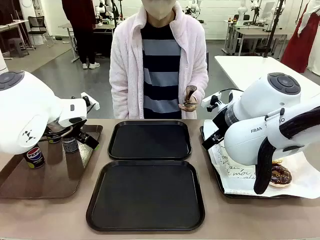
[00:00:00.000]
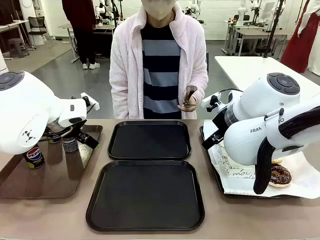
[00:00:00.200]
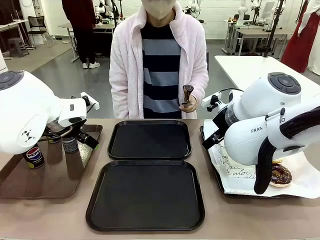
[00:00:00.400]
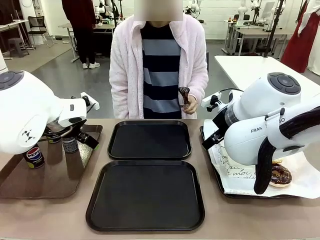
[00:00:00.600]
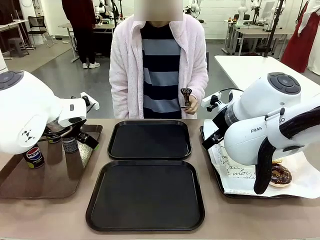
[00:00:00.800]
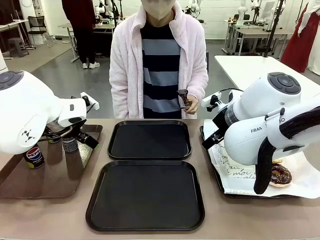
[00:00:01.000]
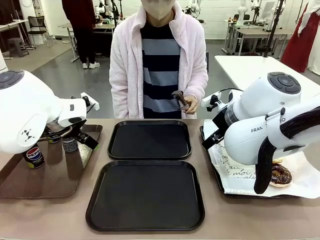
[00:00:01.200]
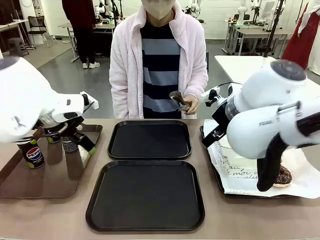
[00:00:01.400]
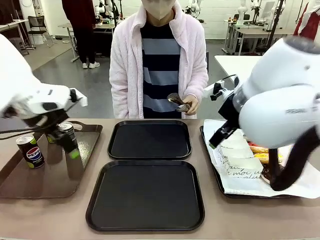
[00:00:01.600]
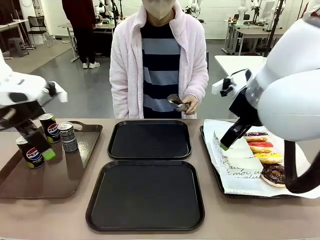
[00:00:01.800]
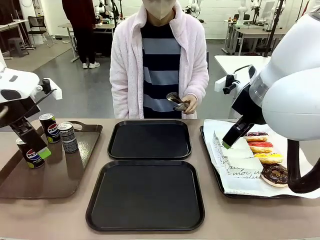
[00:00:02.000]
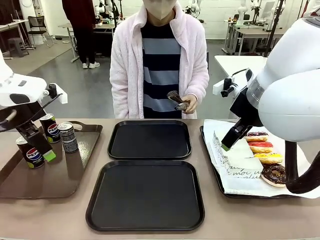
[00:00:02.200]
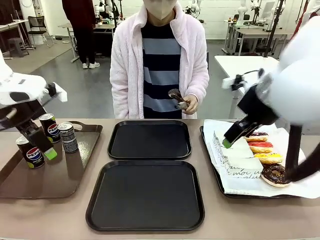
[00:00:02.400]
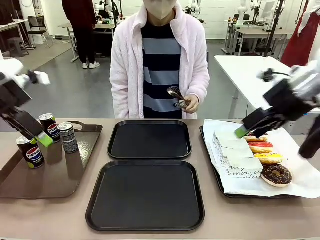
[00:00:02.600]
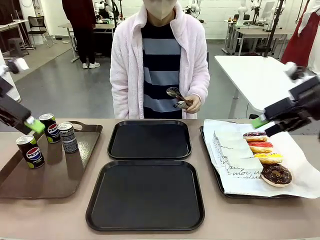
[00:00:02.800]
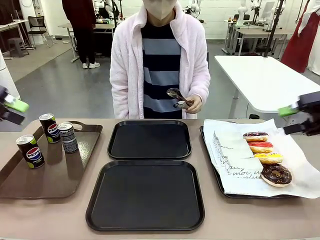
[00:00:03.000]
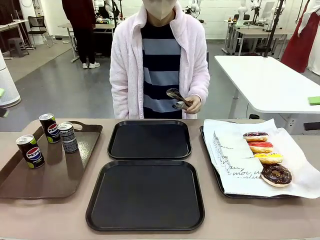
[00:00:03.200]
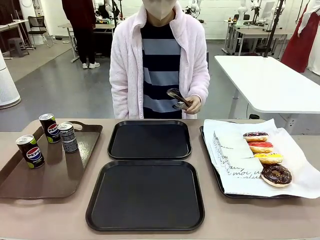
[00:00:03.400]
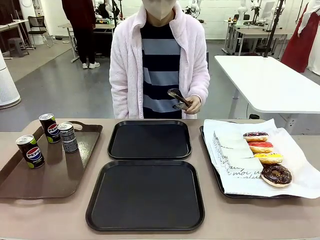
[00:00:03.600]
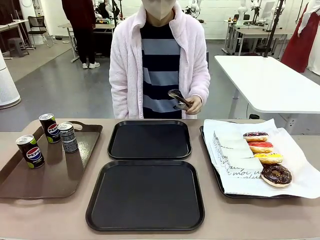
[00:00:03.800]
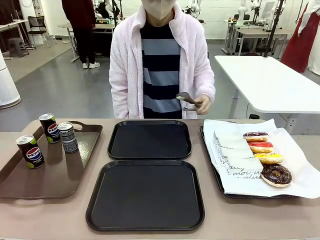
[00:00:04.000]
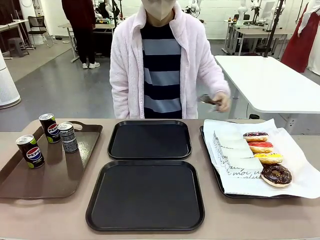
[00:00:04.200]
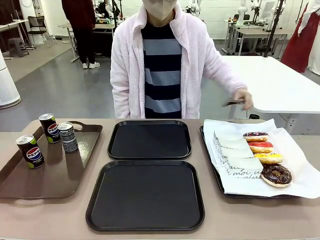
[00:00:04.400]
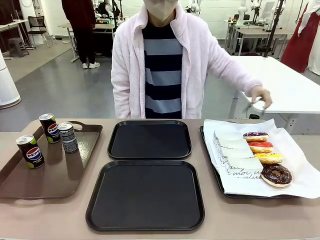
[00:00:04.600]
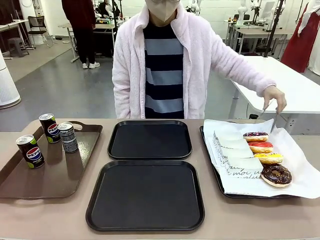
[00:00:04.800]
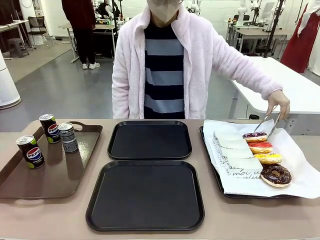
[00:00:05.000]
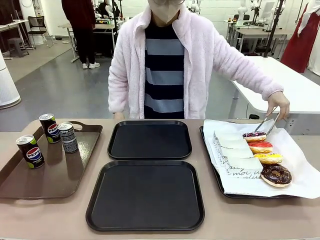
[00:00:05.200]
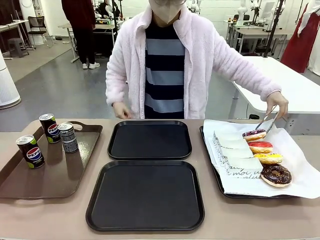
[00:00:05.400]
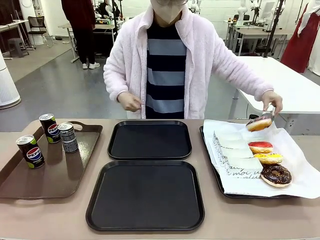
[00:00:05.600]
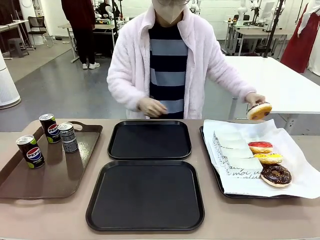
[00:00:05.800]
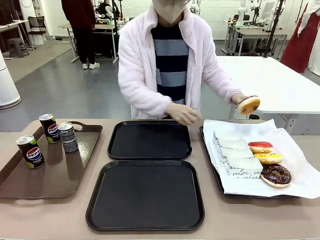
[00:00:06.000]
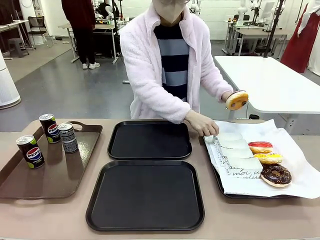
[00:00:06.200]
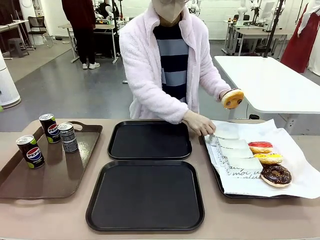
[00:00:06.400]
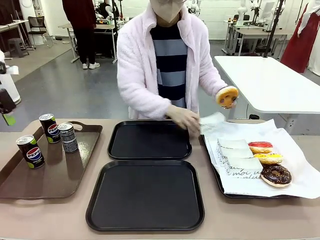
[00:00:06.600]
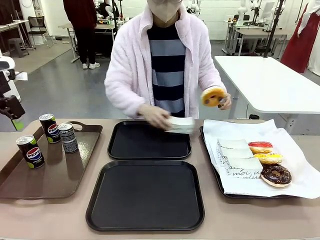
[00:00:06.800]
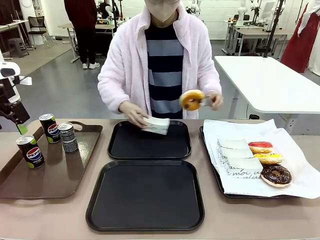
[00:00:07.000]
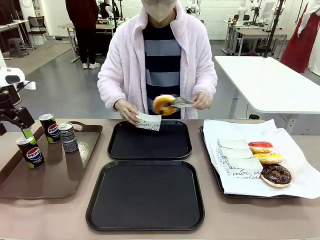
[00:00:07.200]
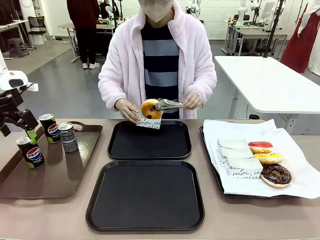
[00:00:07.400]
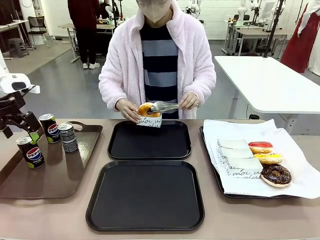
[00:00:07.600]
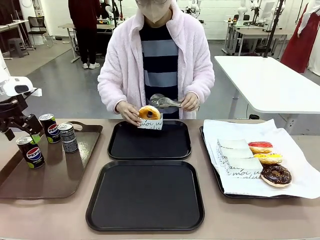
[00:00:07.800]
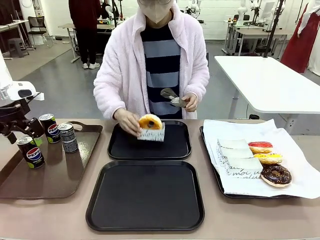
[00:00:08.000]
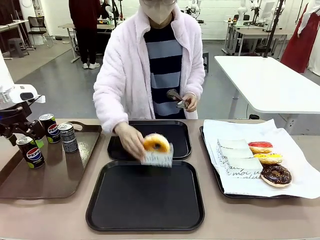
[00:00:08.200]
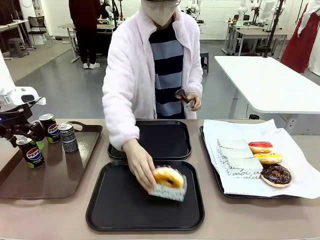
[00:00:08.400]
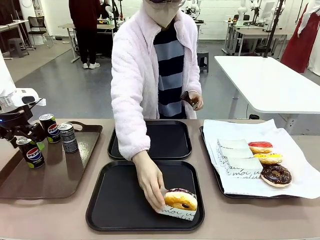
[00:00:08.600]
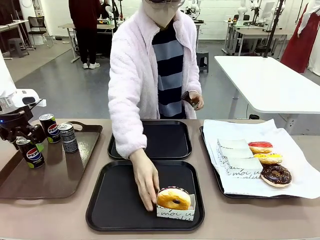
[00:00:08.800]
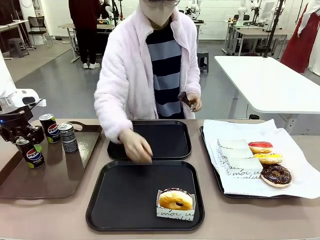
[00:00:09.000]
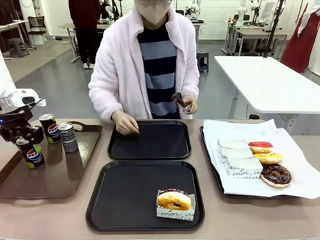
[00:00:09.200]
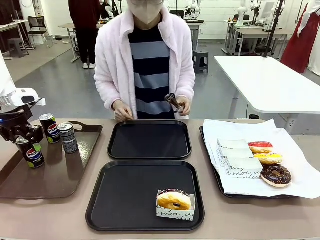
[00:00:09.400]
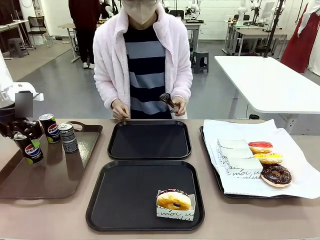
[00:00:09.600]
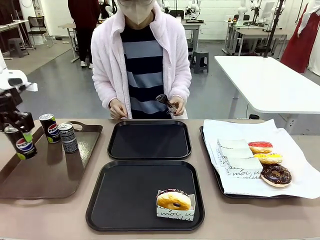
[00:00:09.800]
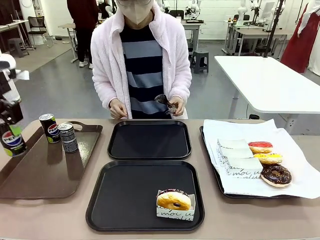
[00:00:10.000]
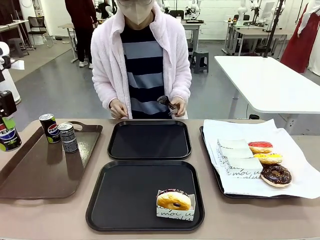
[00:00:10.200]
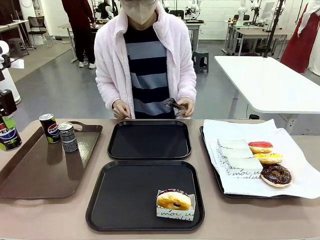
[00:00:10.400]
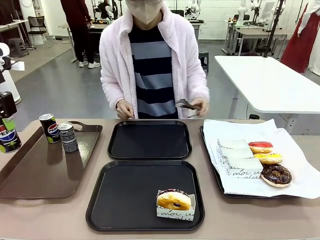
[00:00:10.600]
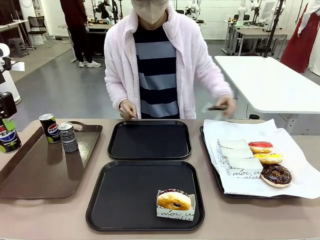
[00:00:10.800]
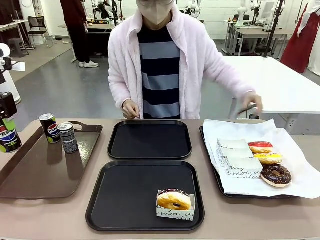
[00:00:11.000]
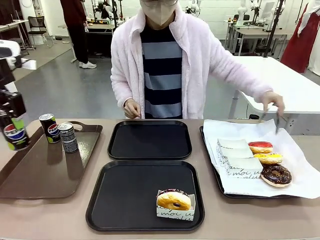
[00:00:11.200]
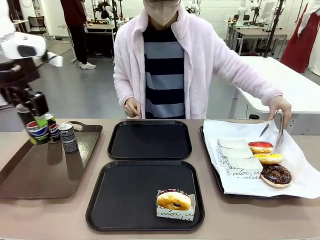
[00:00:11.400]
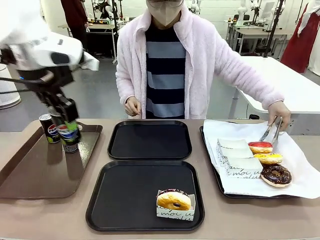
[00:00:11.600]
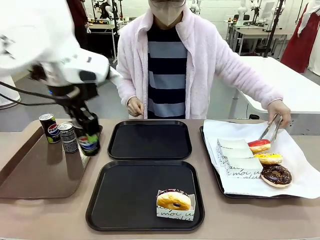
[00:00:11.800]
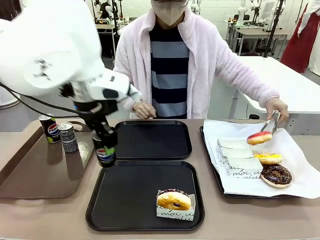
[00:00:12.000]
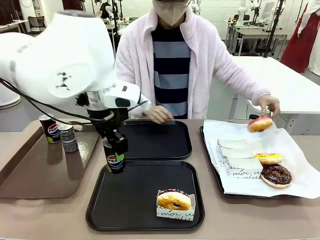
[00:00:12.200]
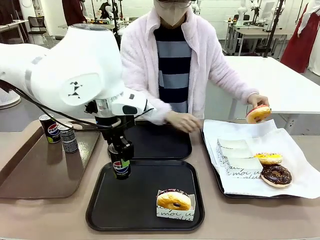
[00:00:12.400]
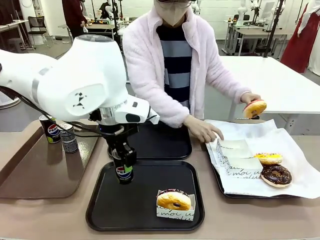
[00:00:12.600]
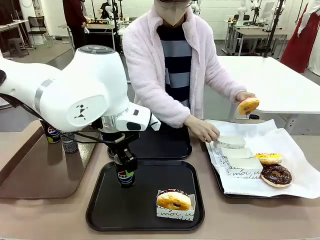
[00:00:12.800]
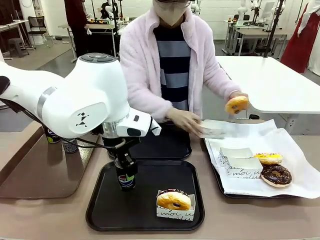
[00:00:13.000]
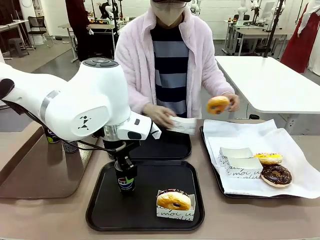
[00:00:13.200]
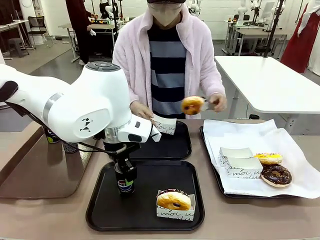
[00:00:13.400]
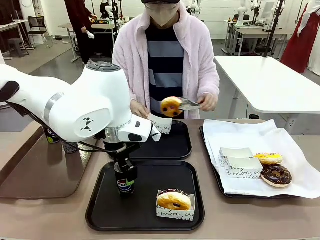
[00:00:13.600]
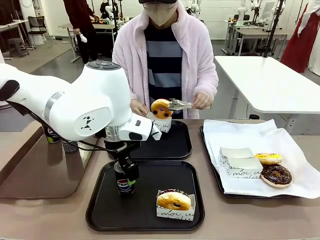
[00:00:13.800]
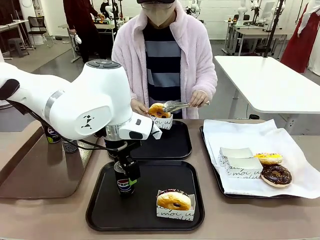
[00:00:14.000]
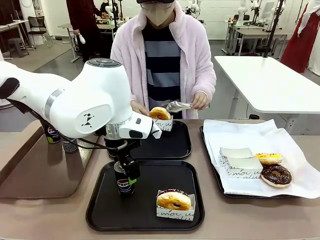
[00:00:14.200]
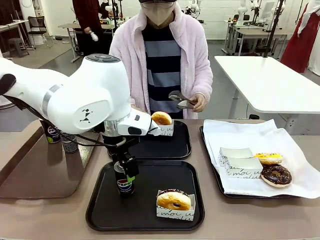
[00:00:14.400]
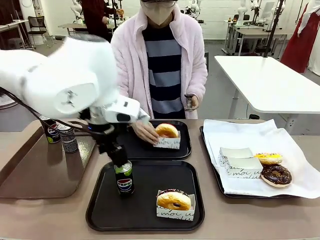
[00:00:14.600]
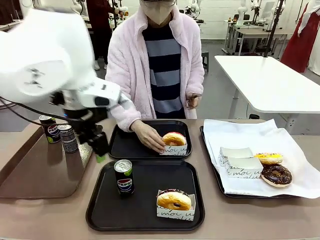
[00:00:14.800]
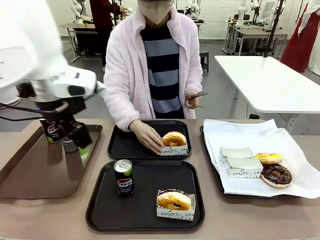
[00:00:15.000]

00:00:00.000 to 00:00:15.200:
Task: Set up donuts and drinks on trays.
Robot: Pick up one Pepsi coke and place it on the Flat Tray.
